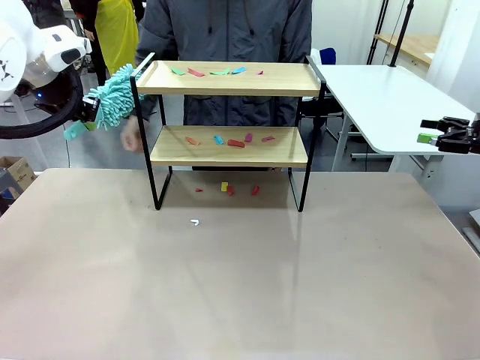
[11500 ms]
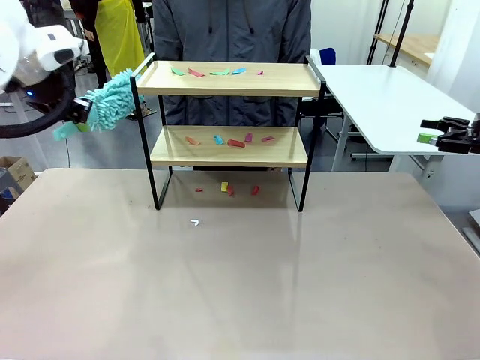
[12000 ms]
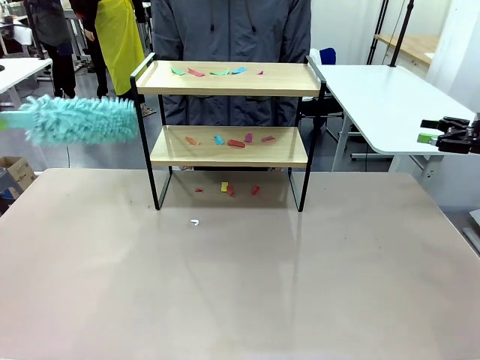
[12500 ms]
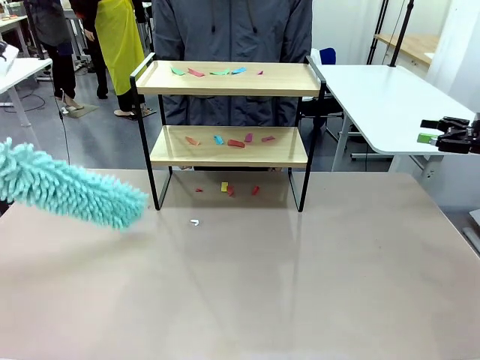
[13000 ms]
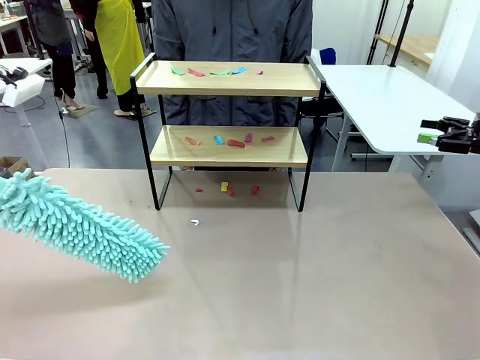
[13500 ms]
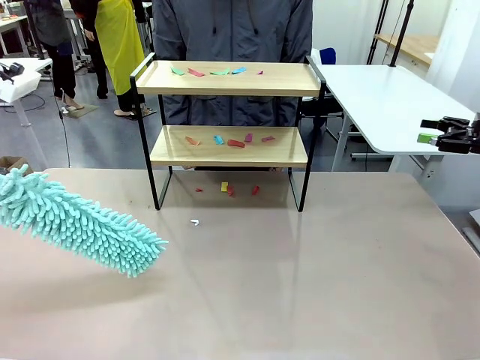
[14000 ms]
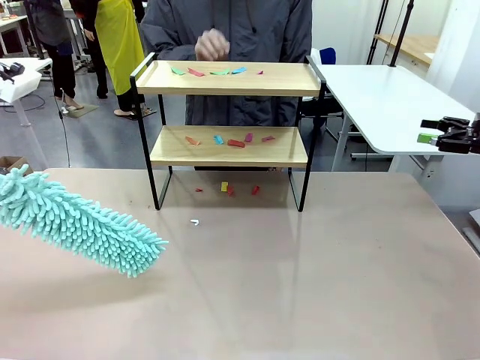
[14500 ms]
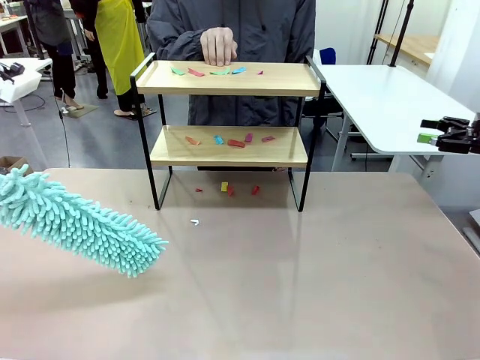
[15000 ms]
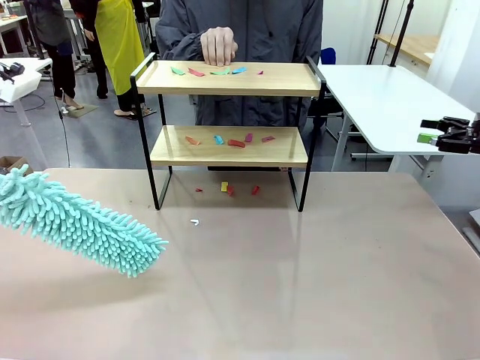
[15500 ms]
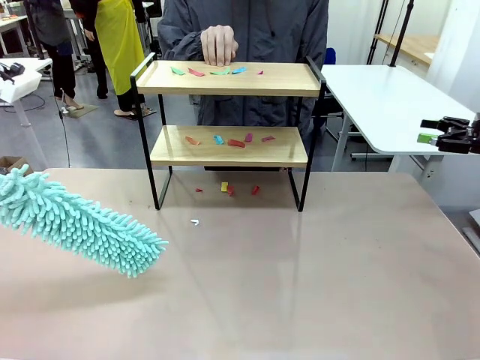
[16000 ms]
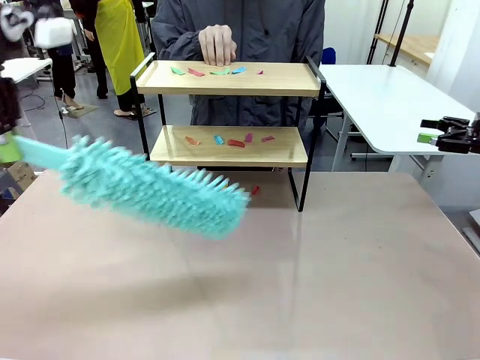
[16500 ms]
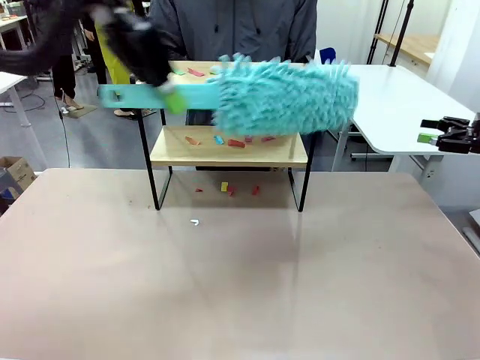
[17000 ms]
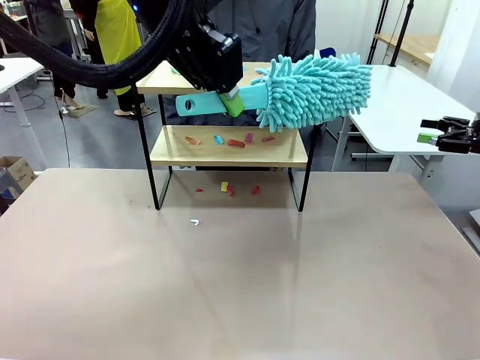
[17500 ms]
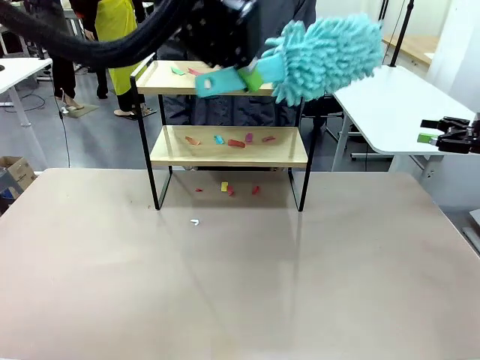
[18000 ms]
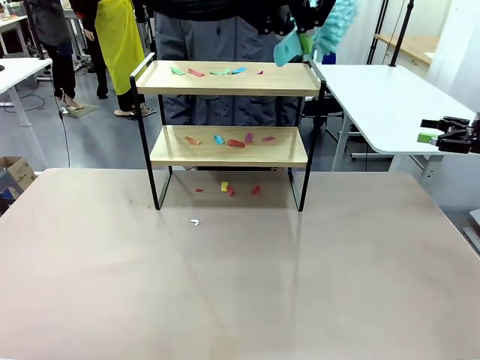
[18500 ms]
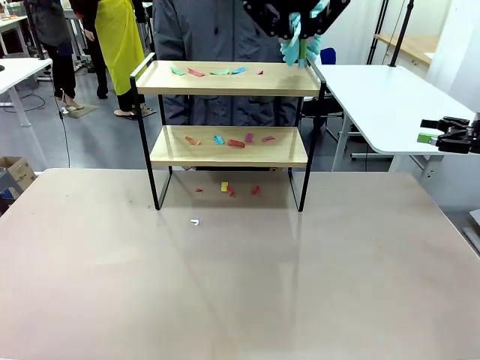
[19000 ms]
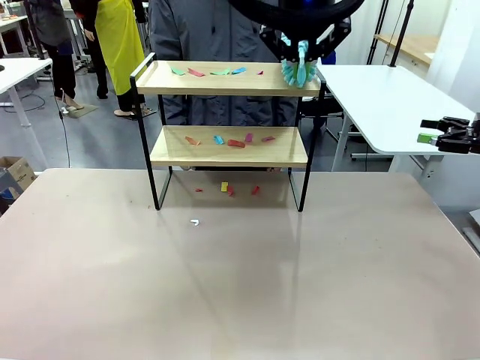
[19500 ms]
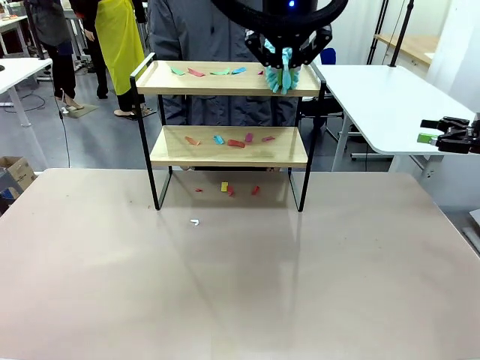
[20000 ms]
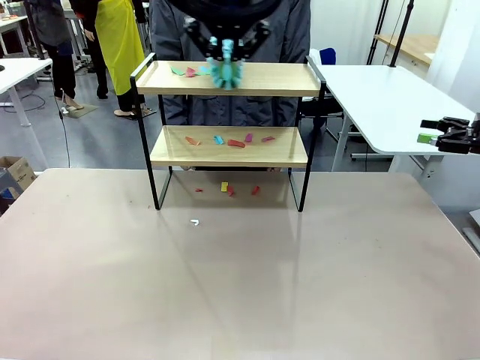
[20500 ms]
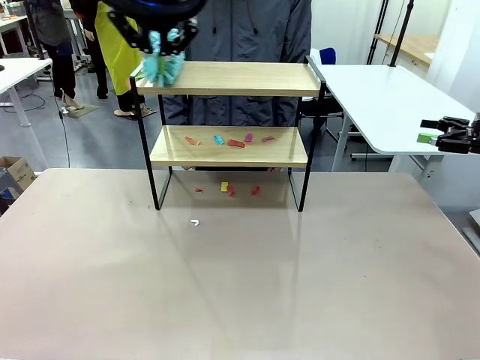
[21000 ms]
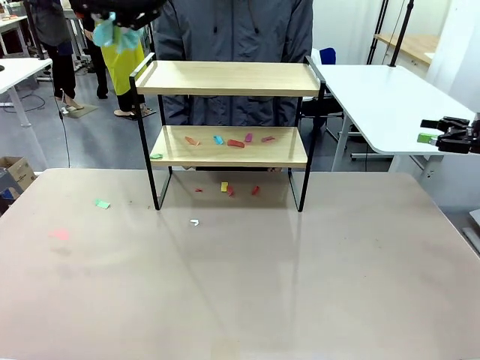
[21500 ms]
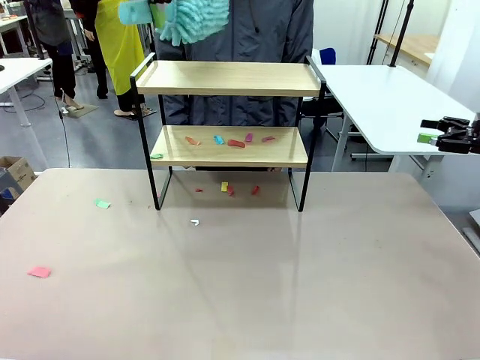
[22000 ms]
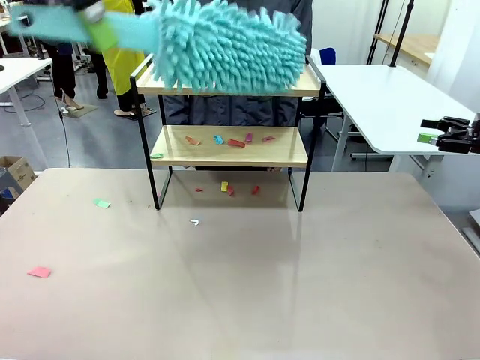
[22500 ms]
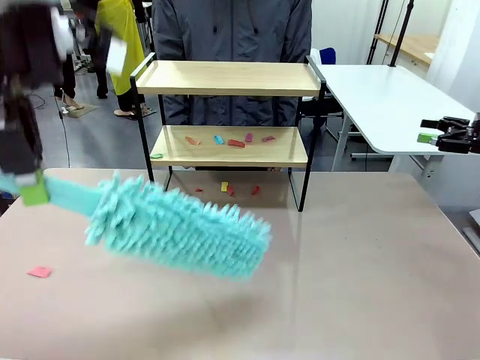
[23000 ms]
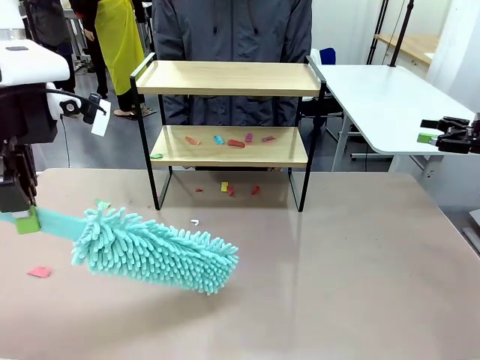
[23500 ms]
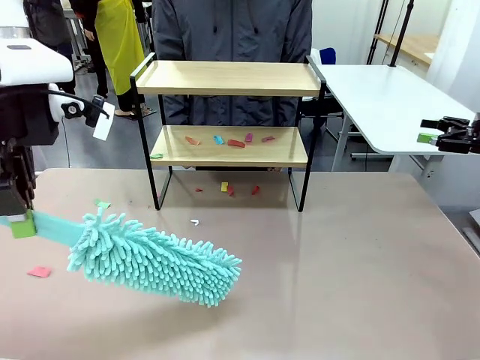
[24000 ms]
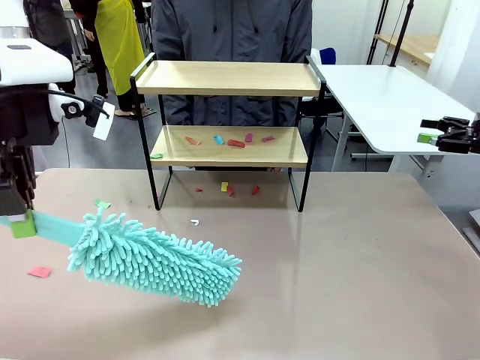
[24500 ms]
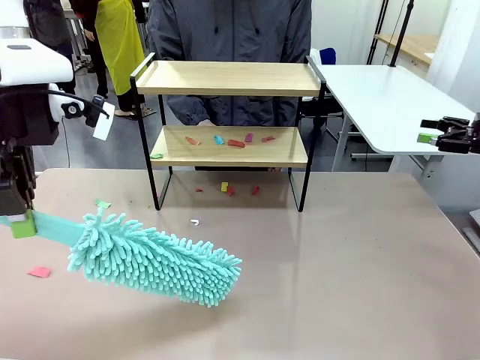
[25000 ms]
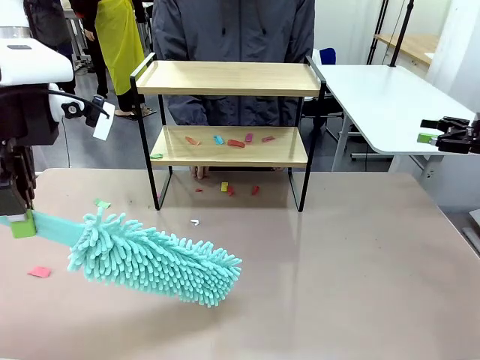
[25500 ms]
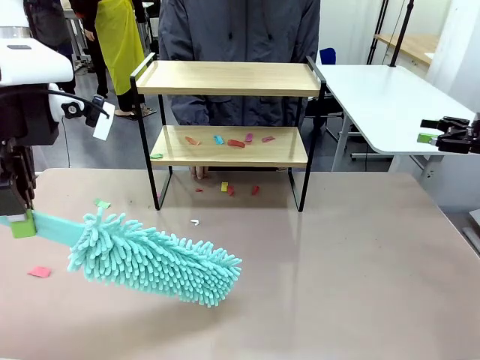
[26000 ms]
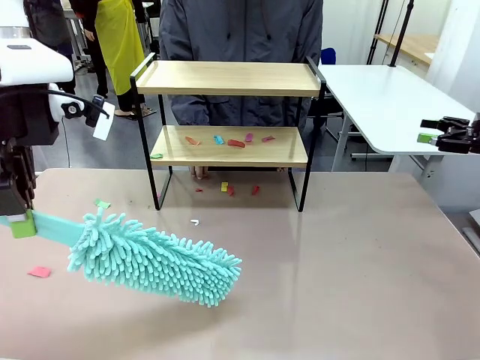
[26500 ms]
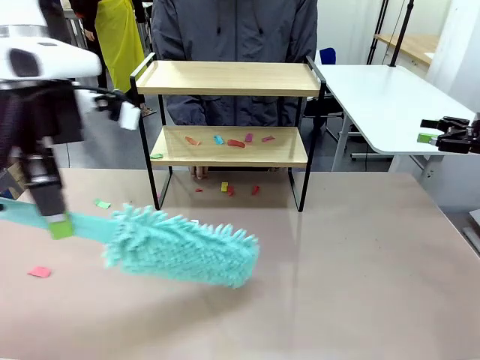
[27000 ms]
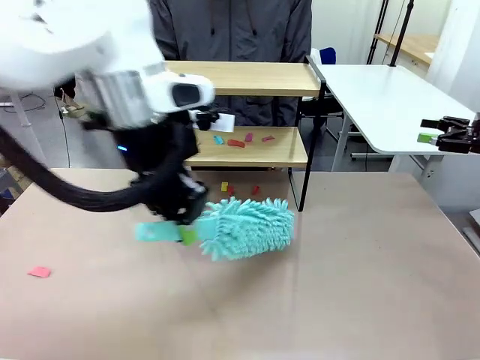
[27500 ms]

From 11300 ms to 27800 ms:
Task: Clean the shelf.
Robot: Clean the specific section of the Shelf indicated by the human with the Duster.
Person: Point a random section of the Shelf.

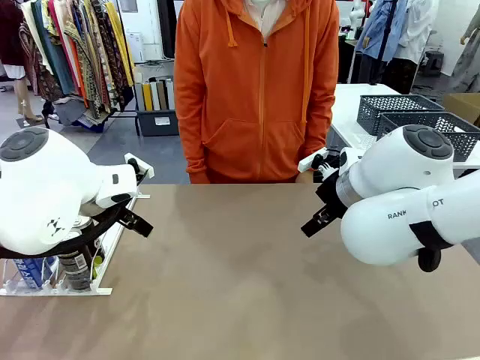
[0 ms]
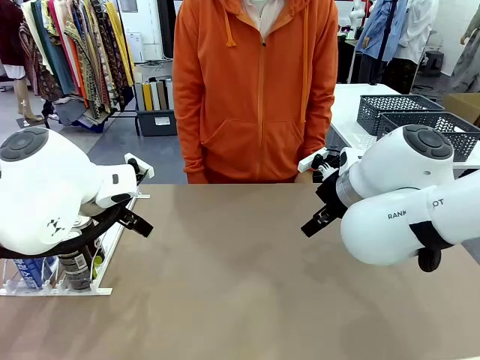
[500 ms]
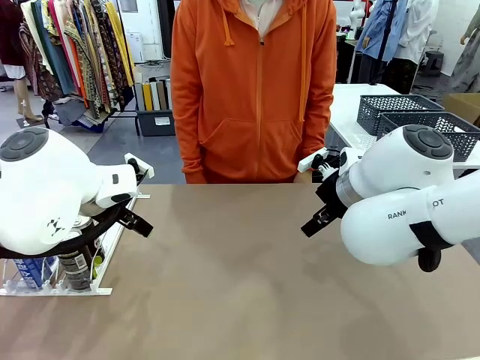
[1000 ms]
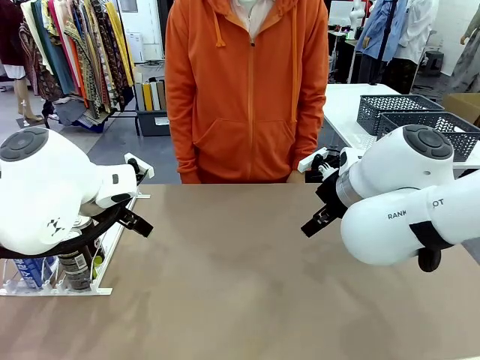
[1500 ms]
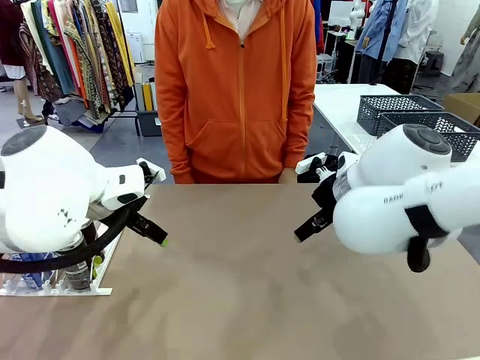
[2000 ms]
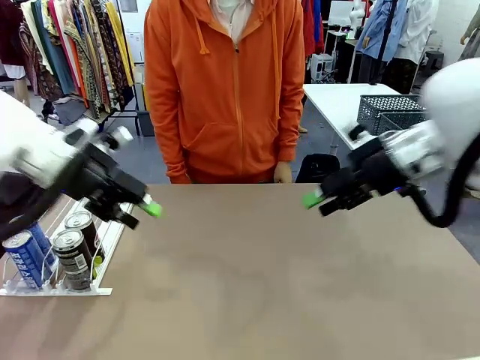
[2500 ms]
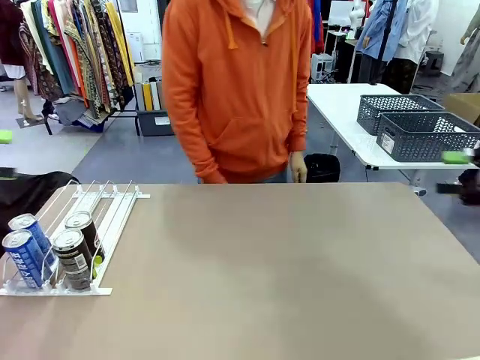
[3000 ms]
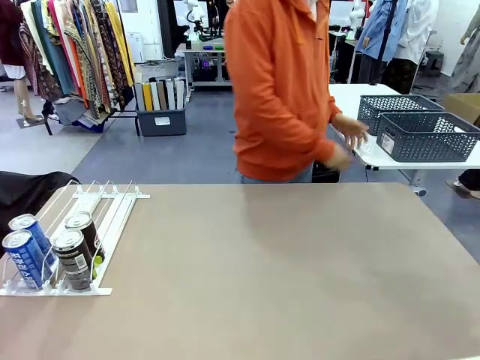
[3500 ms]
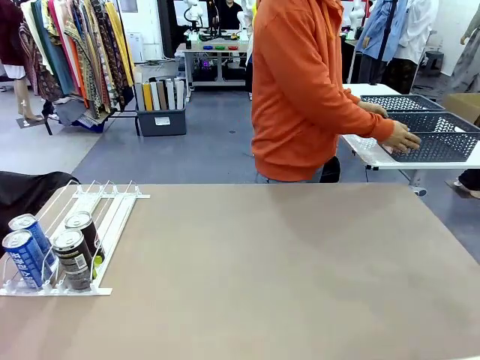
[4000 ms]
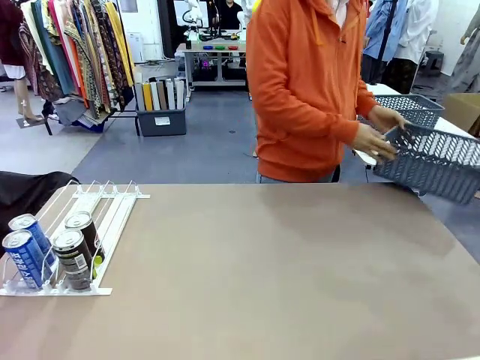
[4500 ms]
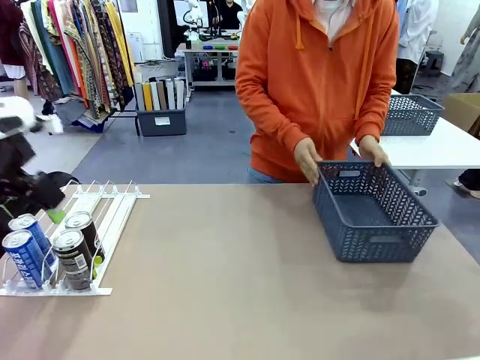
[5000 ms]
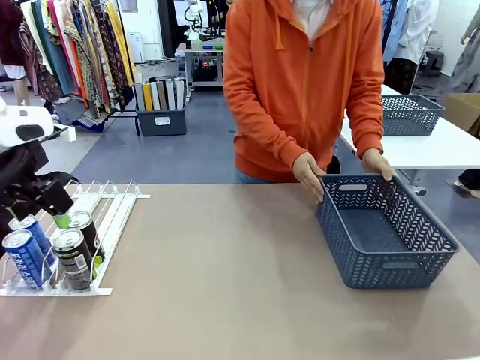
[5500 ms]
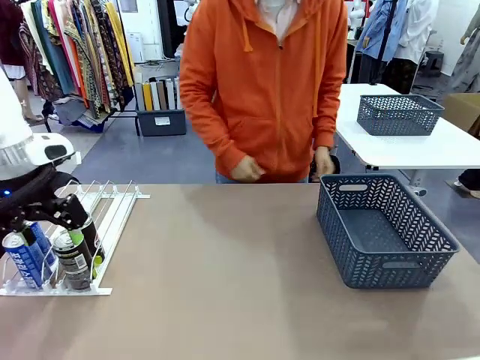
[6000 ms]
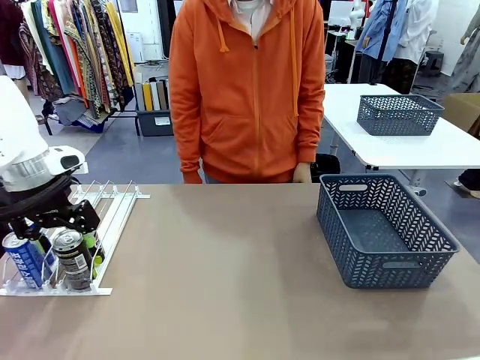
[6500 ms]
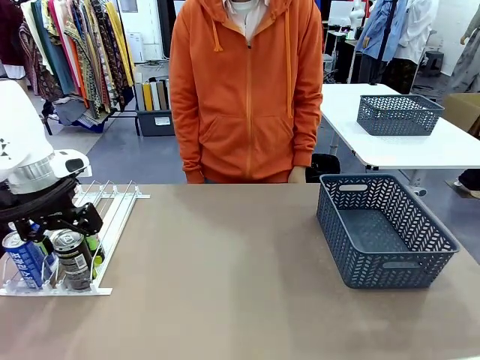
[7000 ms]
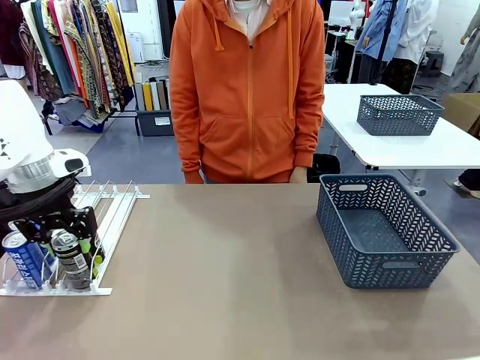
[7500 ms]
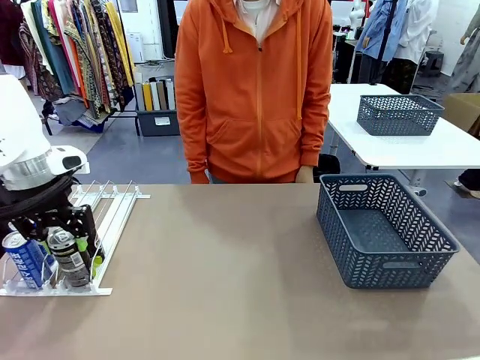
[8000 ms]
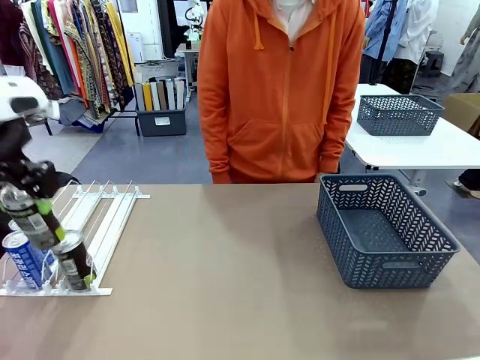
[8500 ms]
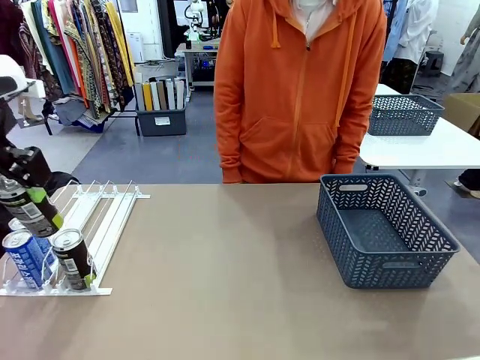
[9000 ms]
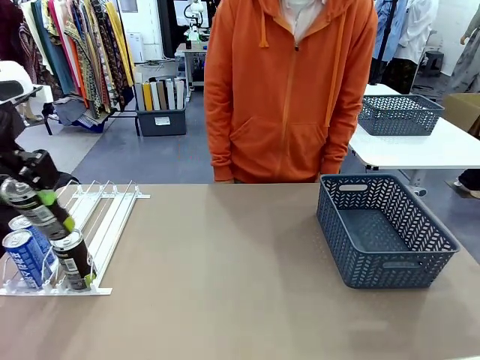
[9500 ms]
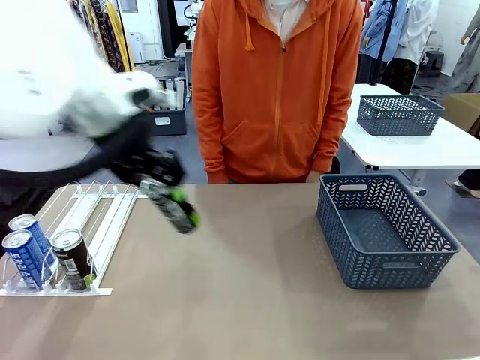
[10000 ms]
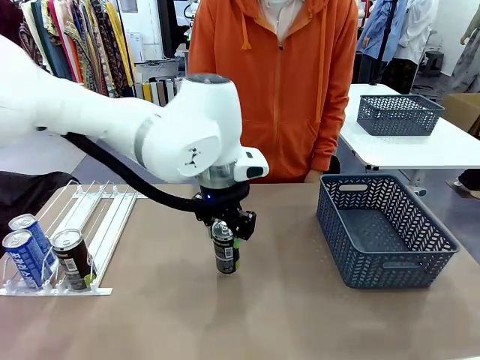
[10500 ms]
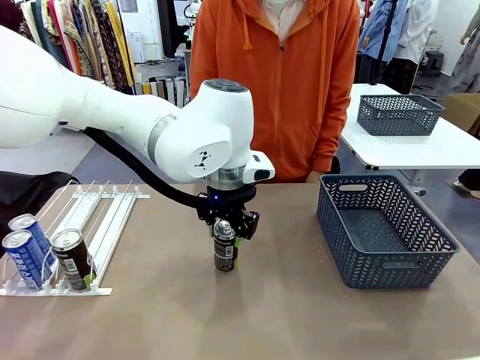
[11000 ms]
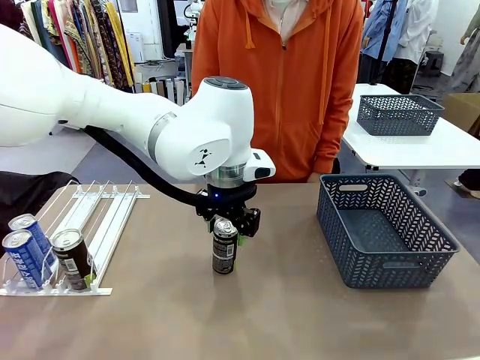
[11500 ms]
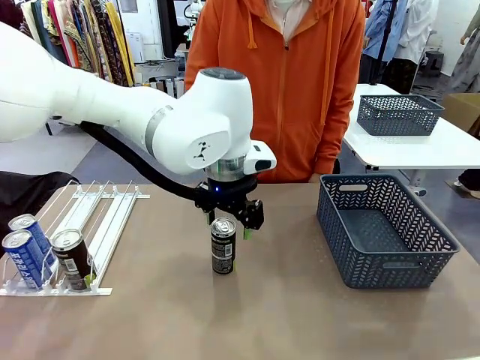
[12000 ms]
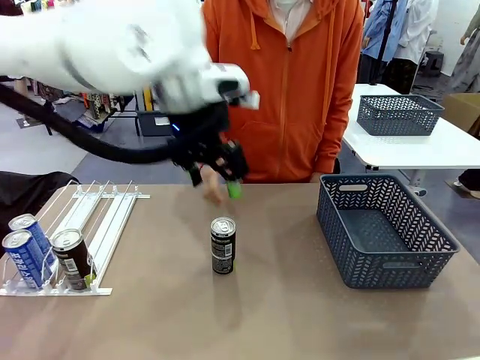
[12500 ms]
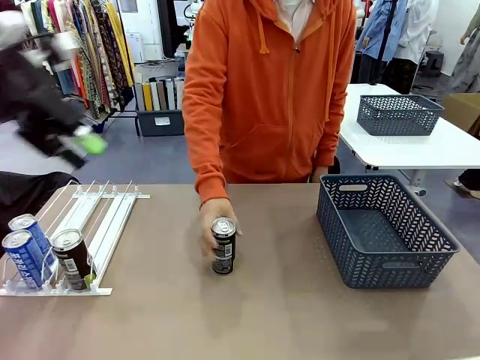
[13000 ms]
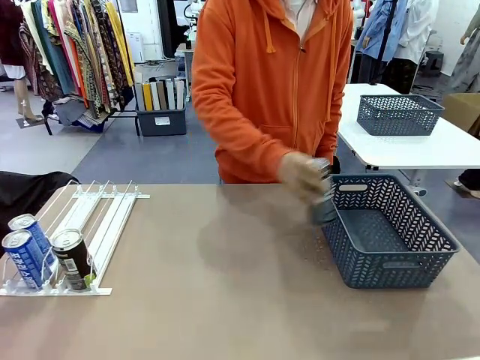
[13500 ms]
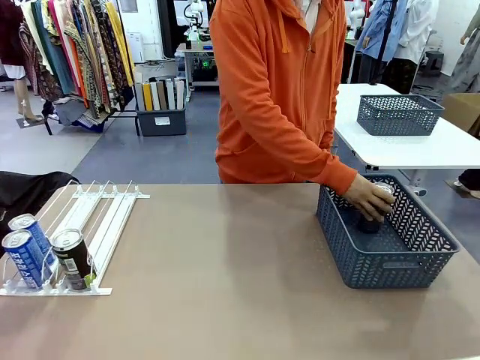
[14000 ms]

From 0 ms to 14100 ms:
Task: Retrieve and store the cans from the dispenser.
Robot: Pick up one can from the Automatic Can Dispenser and place it in the middle of the table.
Person: Pick up the basket and place it on the left side of the robot table.
